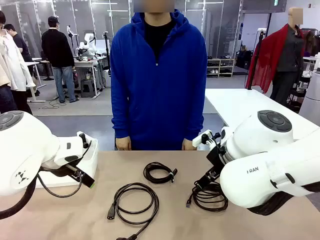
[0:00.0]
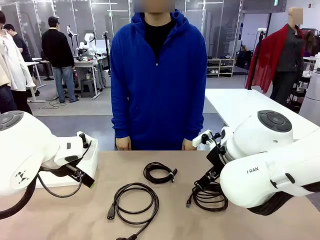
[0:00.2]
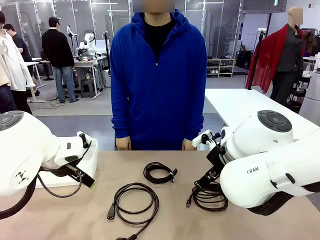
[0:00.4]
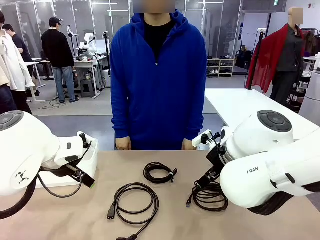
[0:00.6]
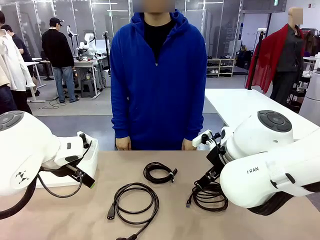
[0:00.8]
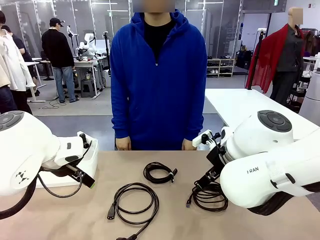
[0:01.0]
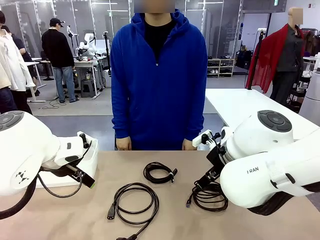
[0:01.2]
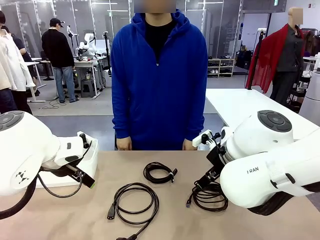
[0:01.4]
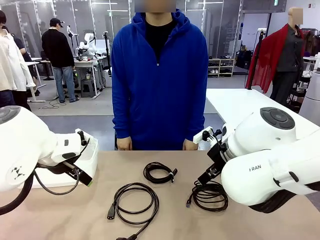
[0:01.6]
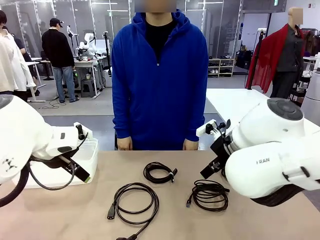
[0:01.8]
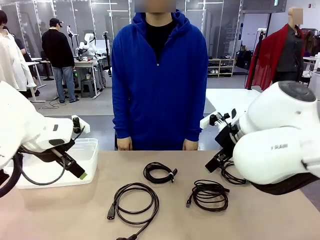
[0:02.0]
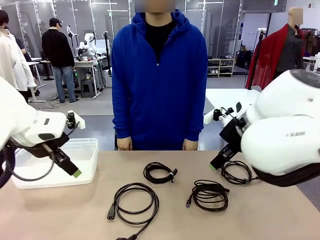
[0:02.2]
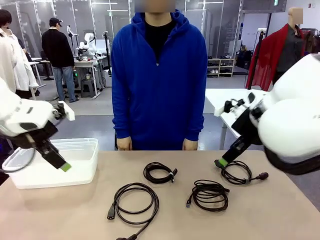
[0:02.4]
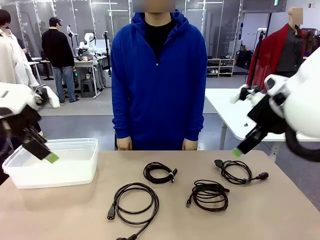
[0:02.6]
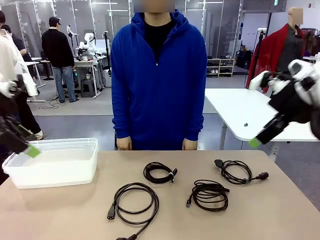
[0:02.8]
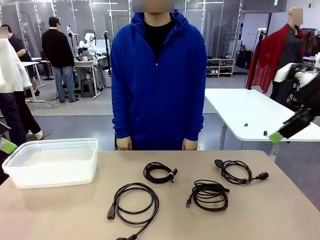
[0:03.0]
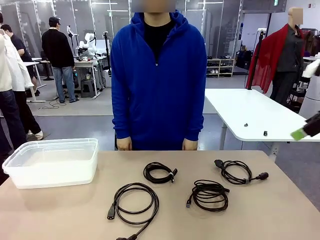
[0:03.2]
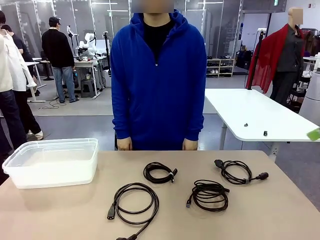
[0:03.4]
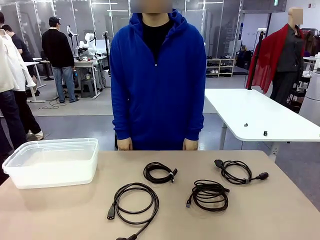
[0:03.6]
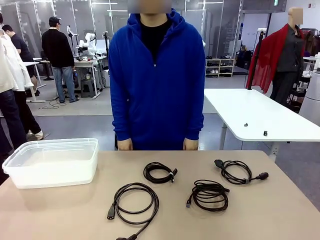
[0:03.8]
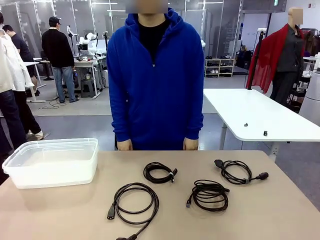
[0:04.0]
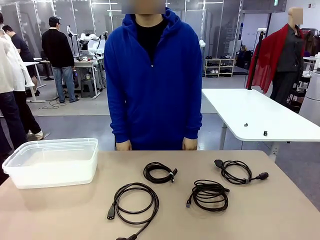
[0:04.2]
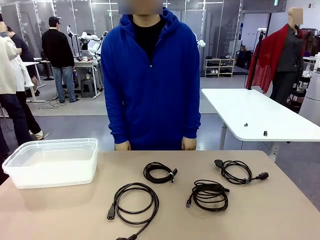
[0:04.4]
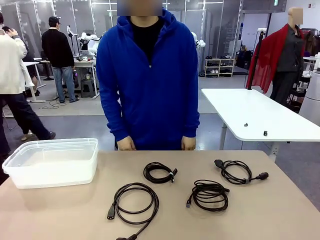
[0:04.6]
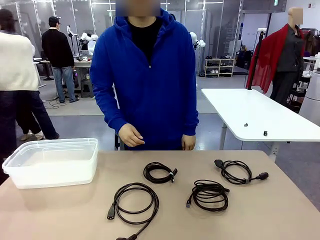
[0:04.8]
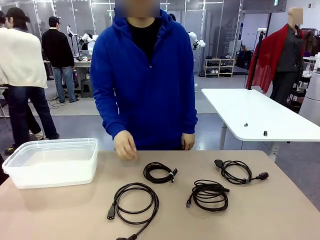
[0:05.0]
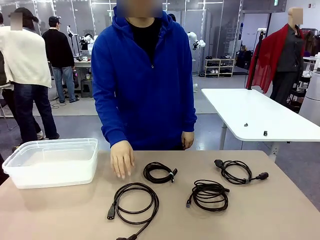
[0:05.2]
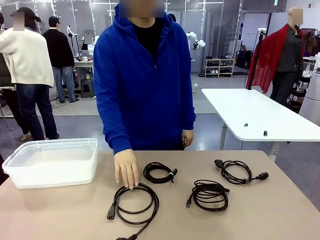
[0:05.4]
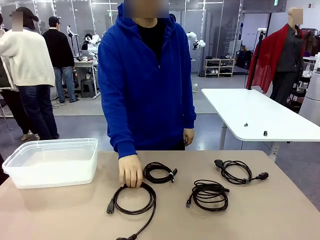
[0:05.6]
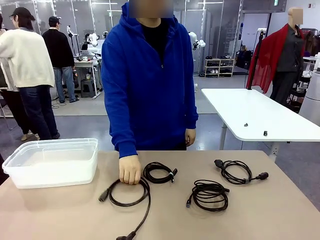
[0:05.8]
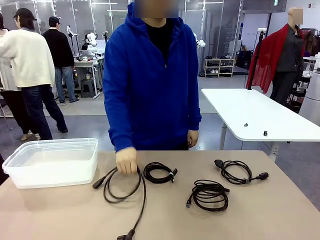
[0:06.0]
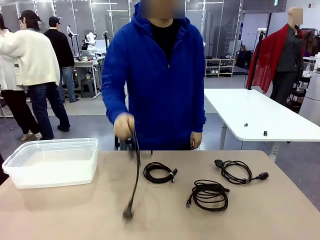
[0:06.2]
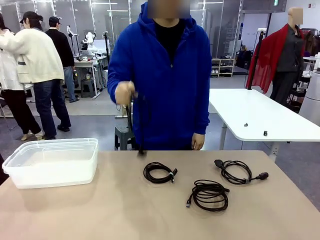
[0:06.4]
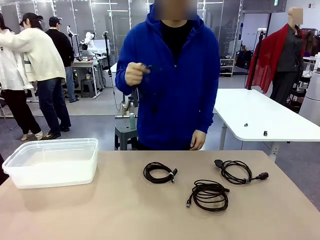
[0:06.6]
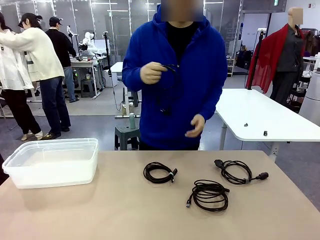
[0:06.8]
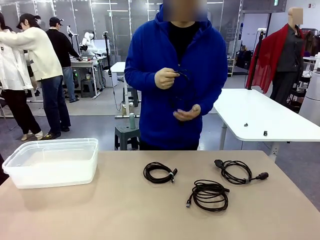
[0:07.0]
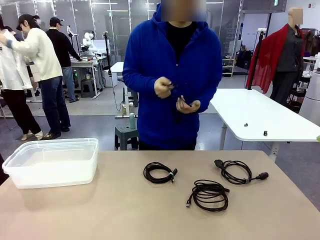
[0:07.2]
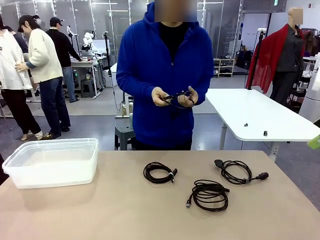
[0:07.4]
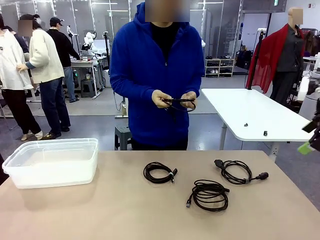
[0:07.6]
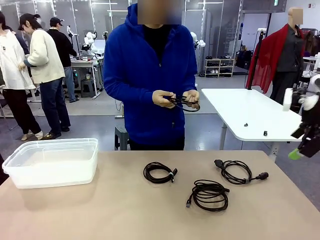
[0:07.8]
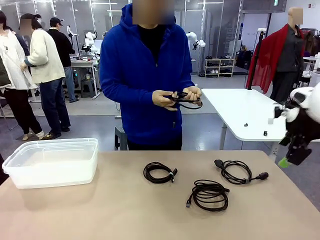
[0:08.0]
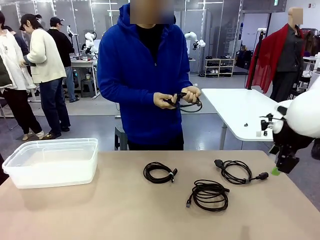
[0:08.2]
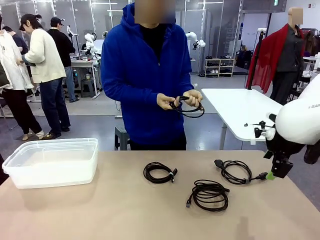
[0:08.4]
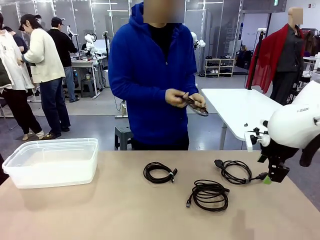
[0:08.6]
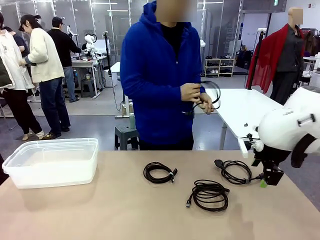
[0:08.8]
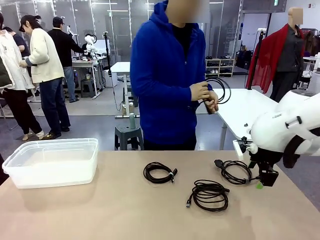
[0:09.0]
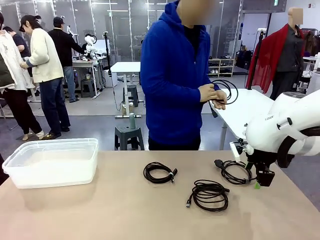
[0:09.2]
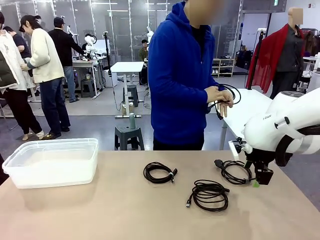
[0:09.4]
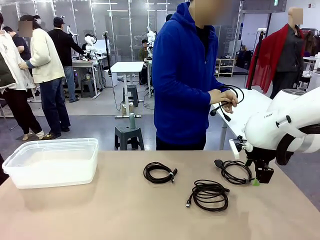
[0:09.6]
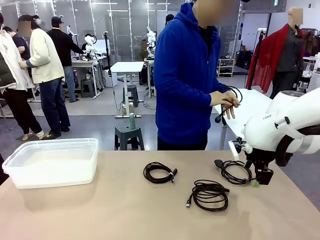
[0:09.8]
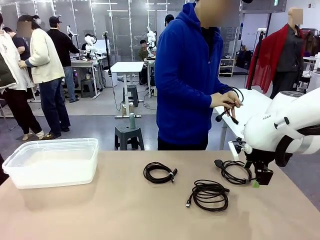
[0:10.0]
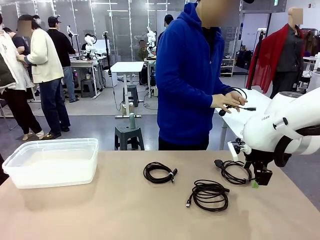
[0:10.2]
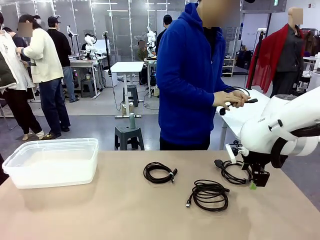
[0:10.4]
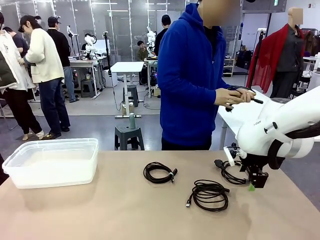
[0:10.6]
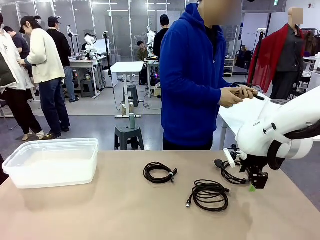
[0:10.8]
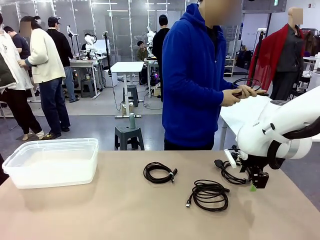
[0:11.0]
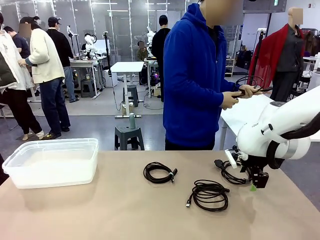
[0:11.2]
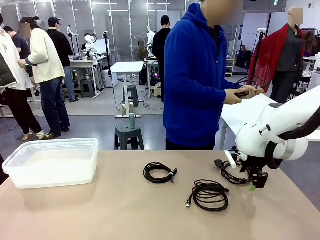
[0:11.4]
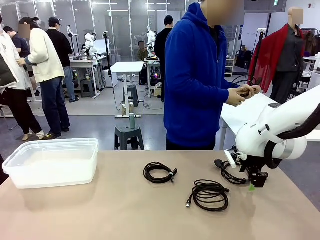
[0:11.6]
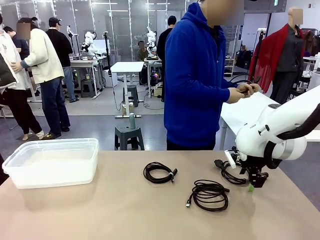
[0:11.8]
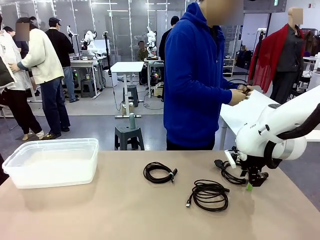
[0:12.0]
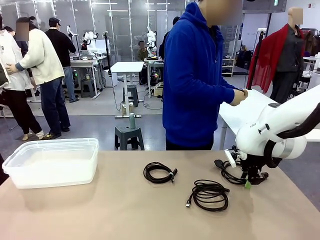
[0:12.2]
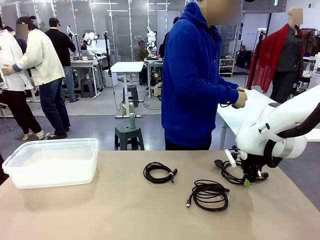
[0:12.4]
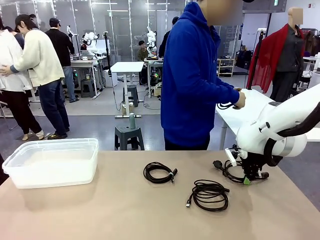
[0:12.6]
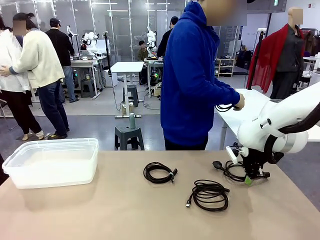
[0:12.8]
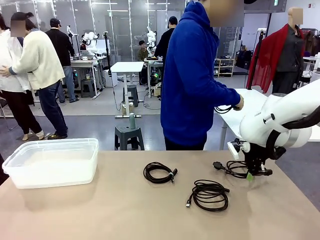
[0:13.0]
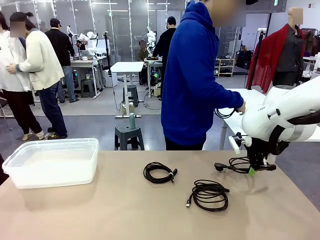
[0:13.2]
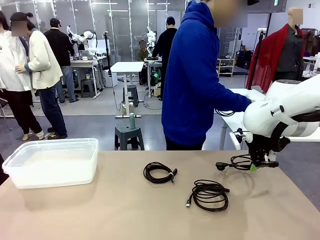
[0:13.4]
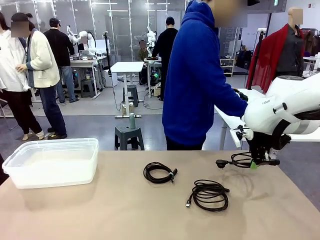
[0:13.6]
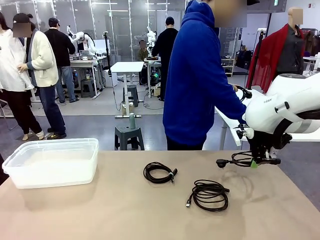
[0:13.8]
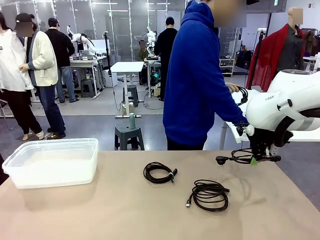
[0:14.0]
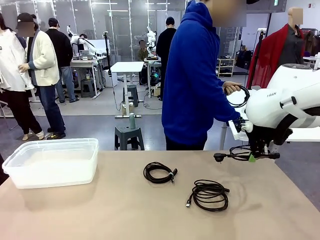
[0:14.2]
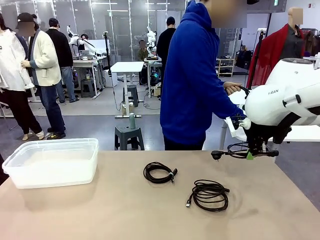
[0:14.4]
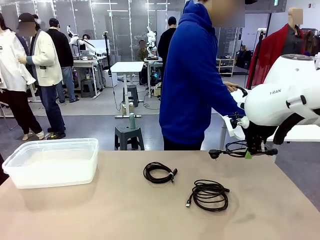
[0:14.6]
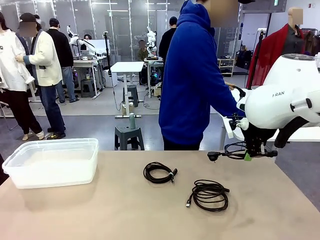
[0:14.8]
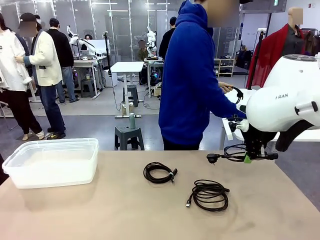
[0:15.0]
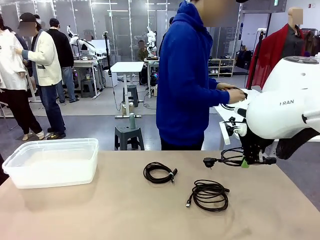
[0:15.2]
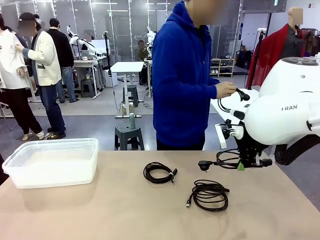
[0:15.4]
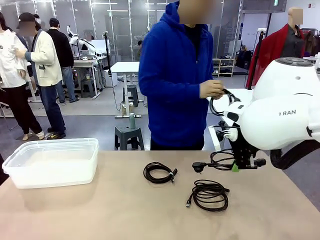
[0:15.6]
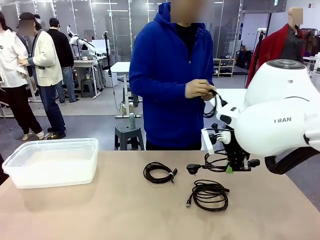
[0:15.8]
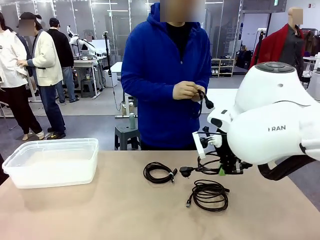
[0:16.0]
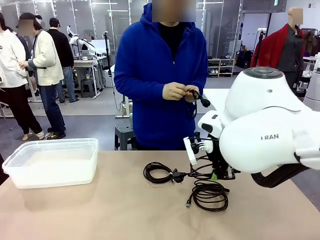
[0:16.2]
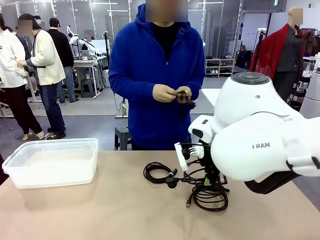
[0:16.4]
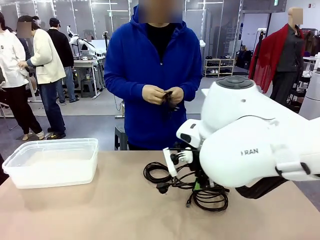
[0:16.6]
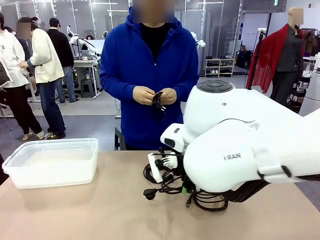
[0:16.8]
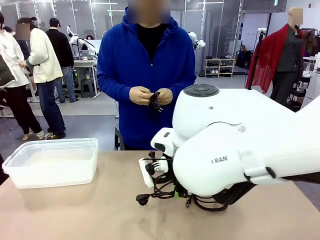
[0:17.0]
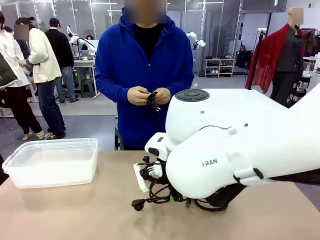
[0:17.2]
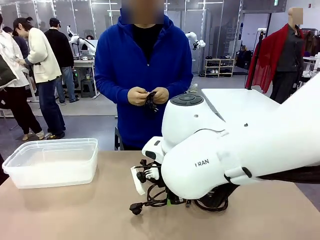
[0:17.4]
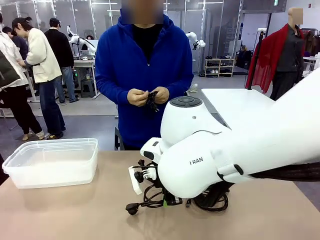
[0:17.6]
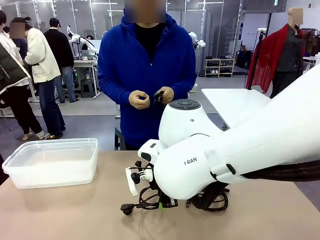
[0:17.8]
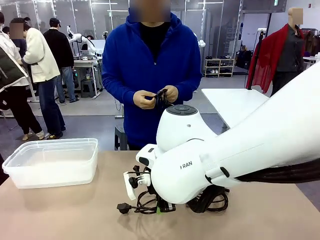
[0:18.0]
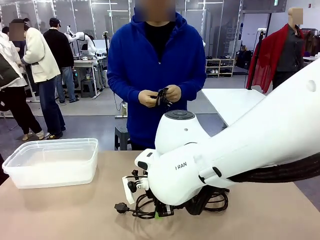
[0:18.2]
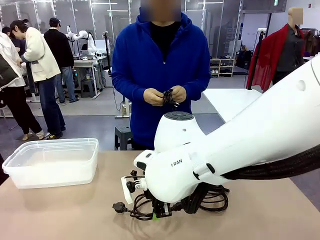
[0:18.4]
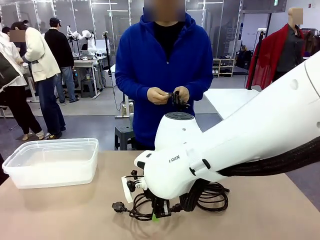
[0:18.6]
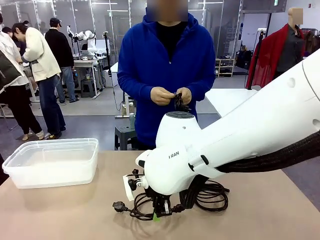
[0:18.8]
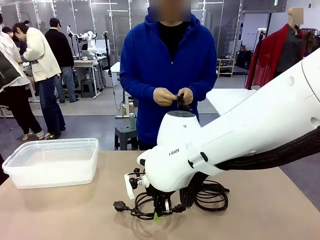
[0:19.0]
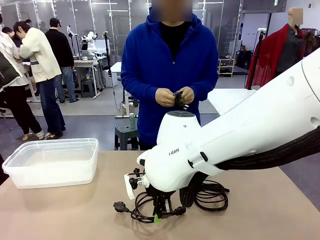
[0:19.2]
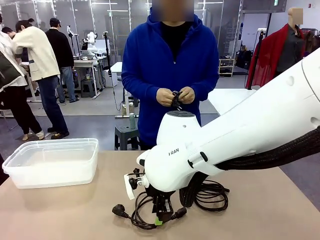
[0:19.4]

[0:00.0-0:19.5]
Task: Organize and store the cables.
Robot: Place the Power Cable into the Organizing box.
Person: Tie one Power Cable with a Reusable Cable Tie.
